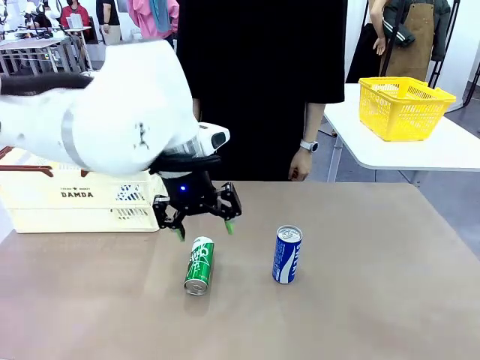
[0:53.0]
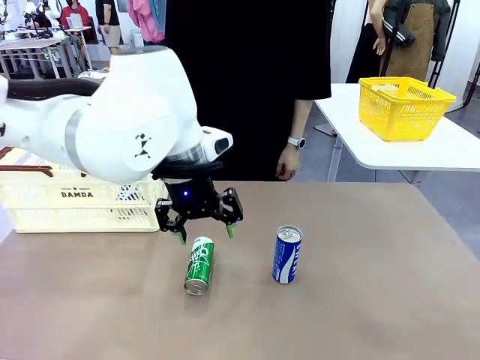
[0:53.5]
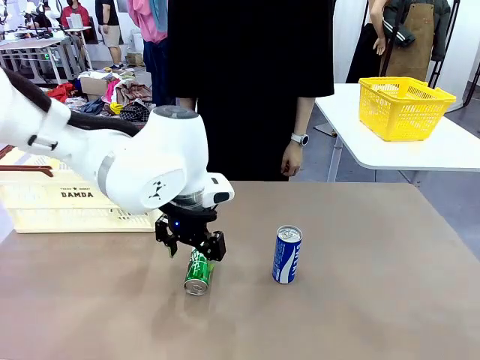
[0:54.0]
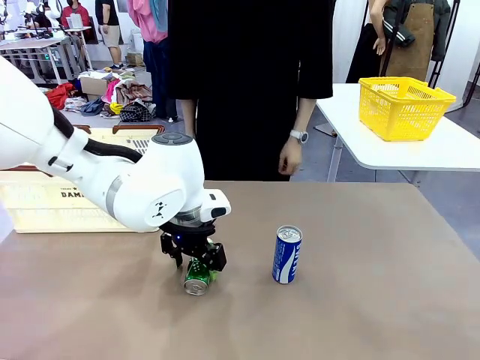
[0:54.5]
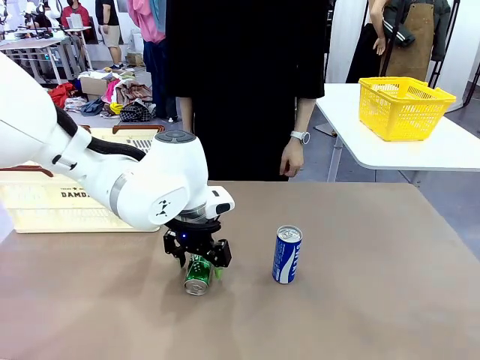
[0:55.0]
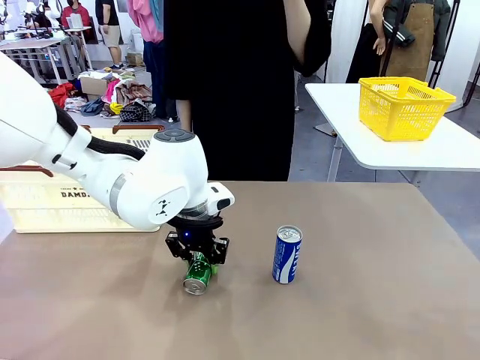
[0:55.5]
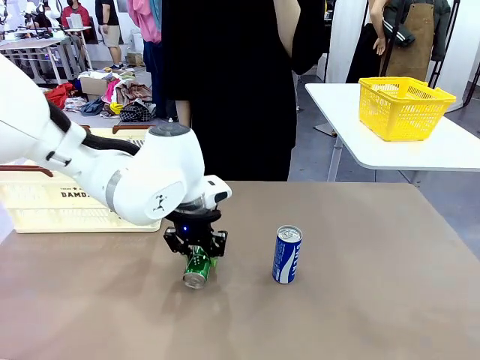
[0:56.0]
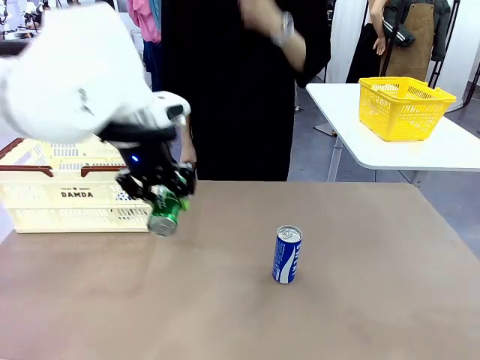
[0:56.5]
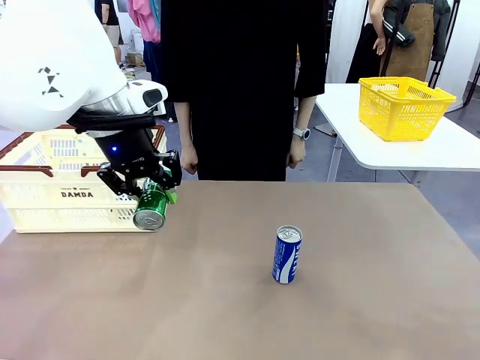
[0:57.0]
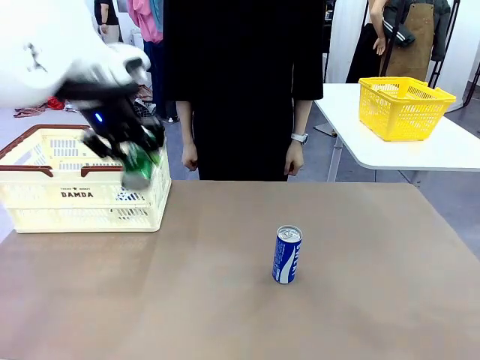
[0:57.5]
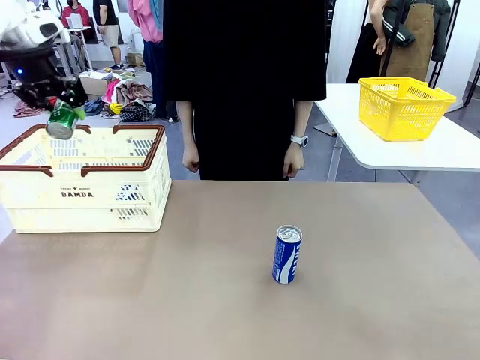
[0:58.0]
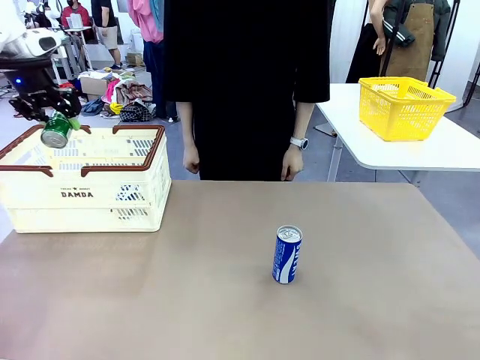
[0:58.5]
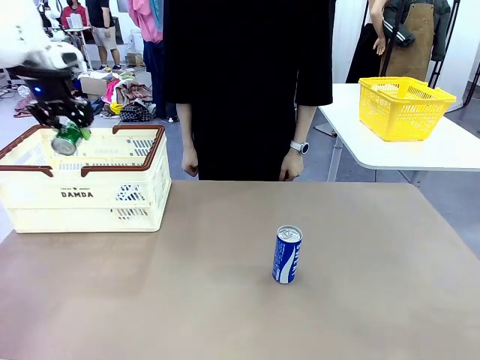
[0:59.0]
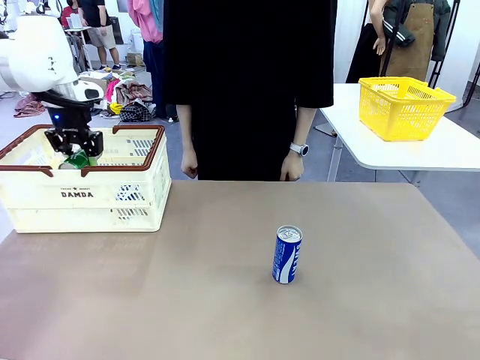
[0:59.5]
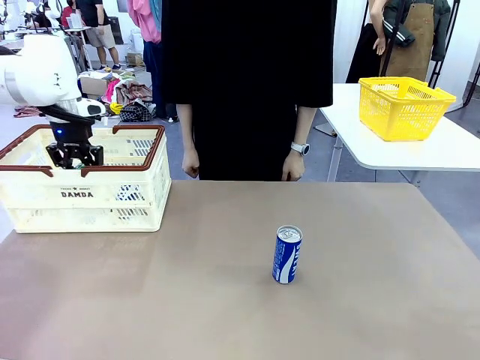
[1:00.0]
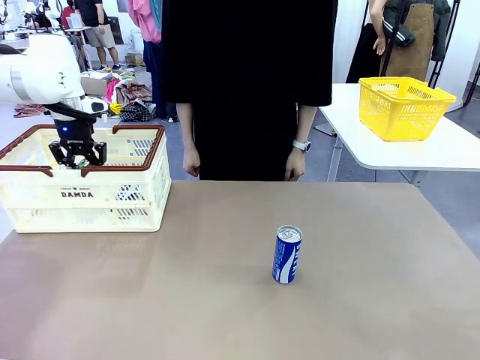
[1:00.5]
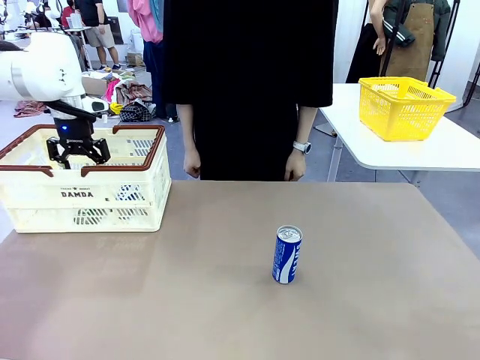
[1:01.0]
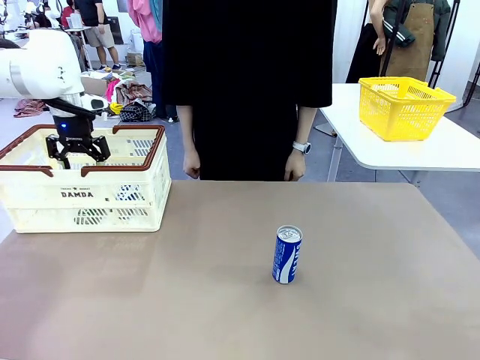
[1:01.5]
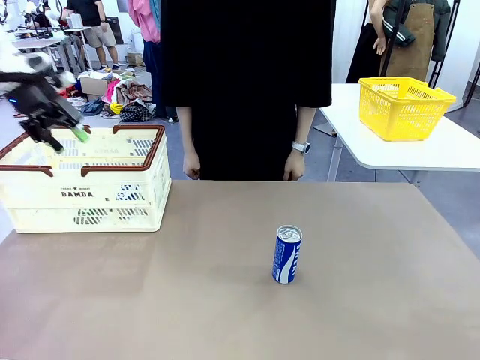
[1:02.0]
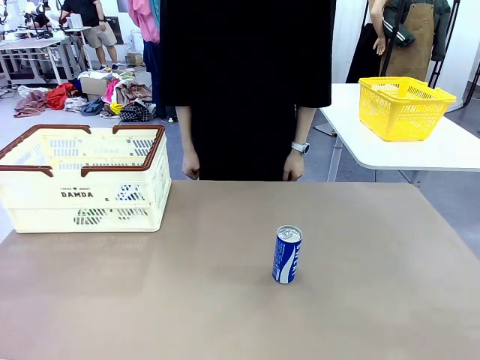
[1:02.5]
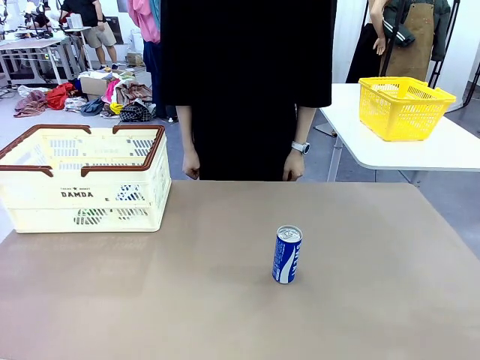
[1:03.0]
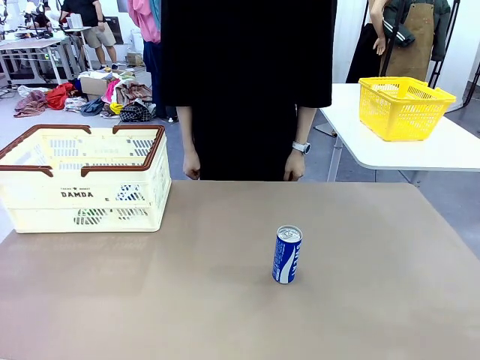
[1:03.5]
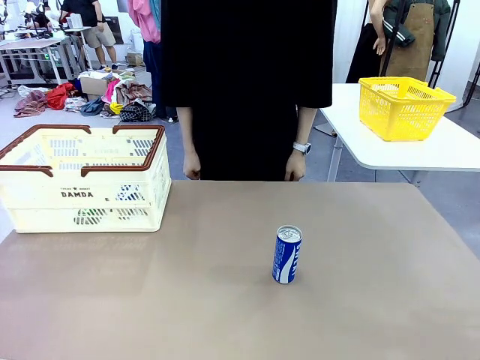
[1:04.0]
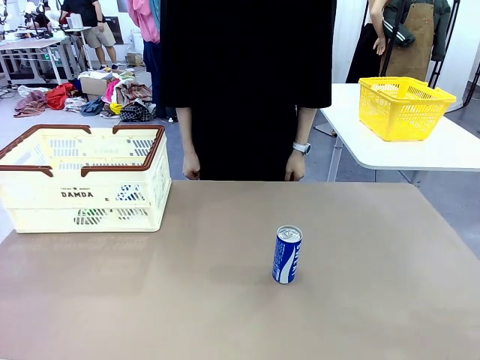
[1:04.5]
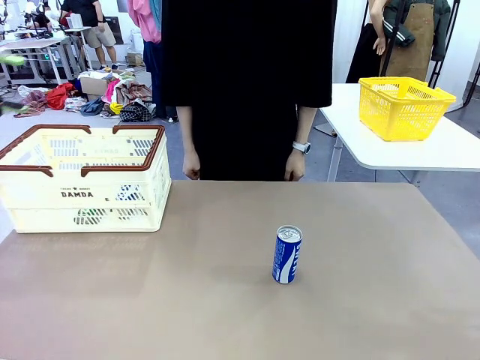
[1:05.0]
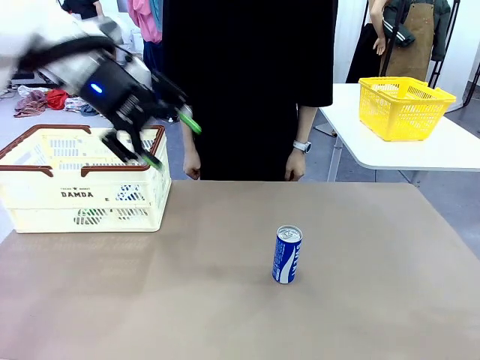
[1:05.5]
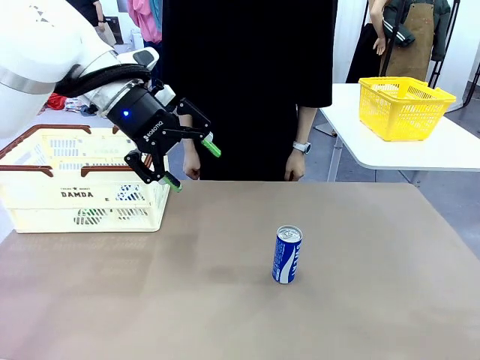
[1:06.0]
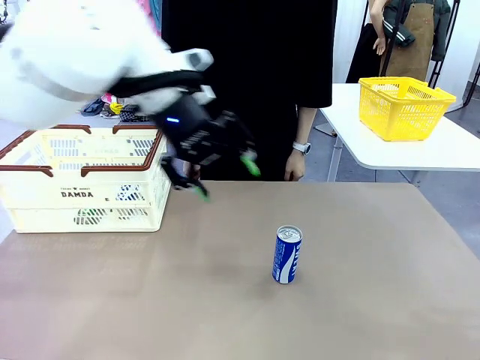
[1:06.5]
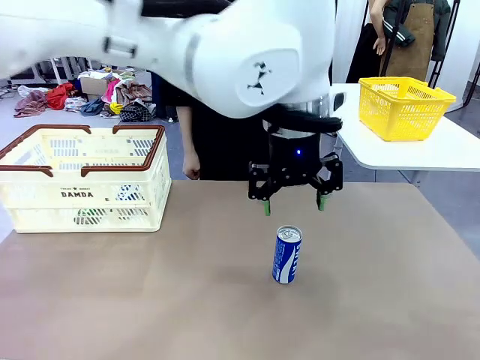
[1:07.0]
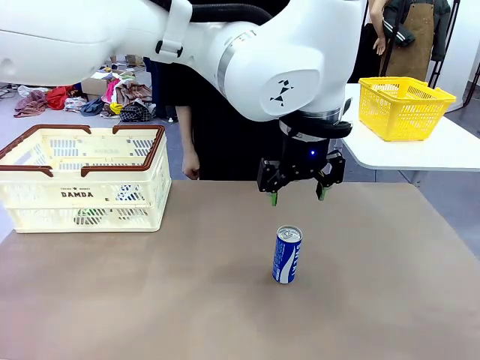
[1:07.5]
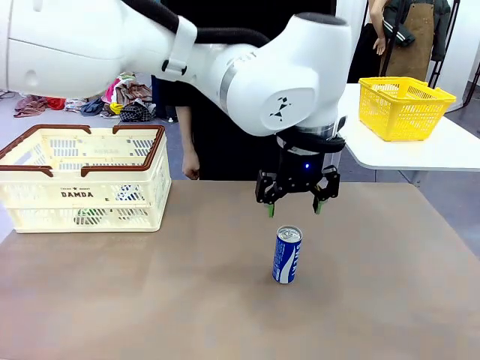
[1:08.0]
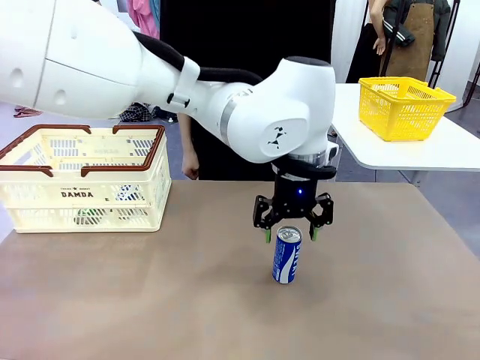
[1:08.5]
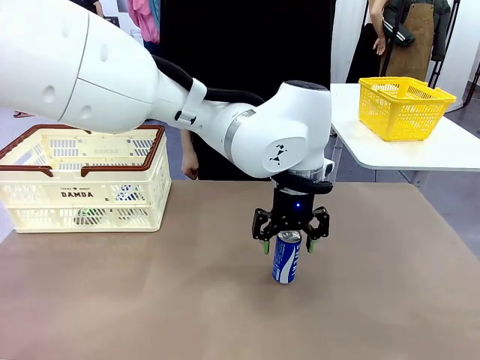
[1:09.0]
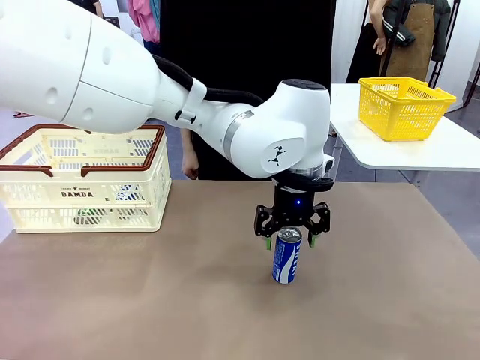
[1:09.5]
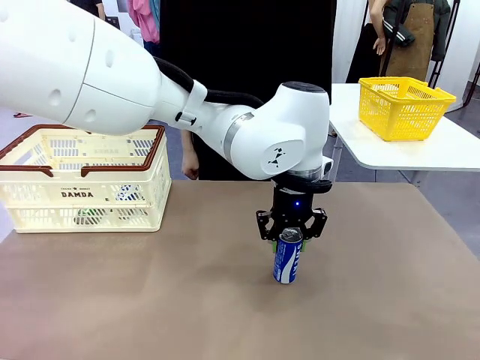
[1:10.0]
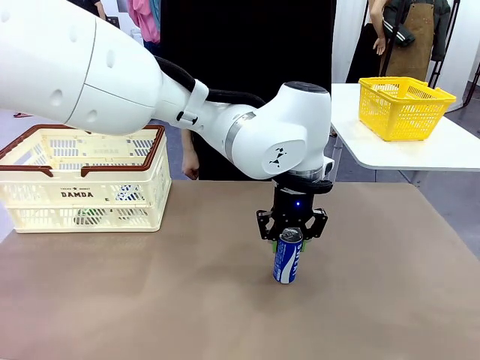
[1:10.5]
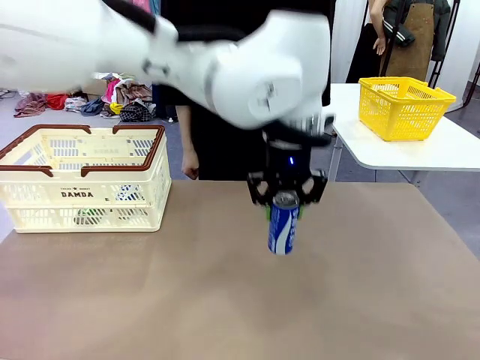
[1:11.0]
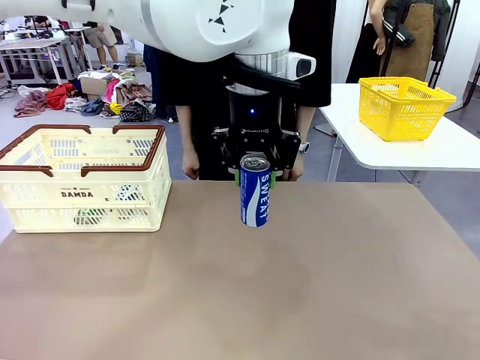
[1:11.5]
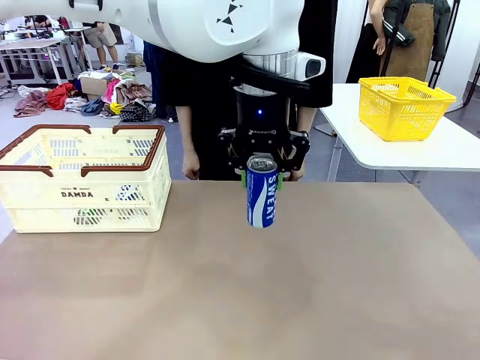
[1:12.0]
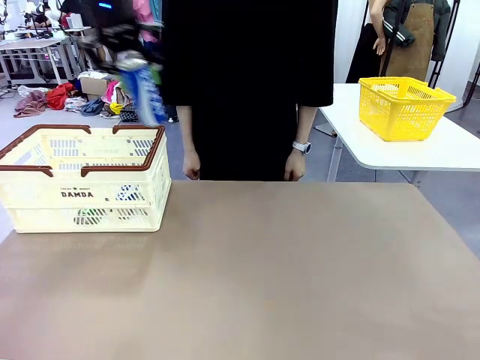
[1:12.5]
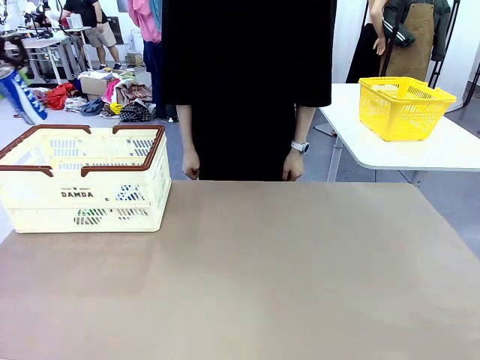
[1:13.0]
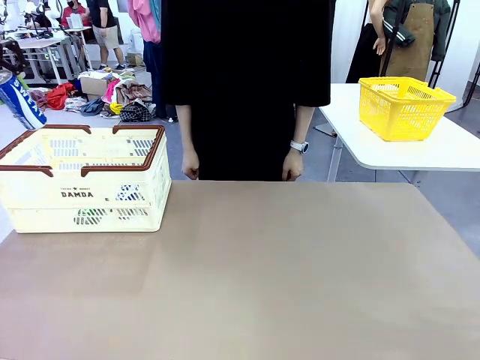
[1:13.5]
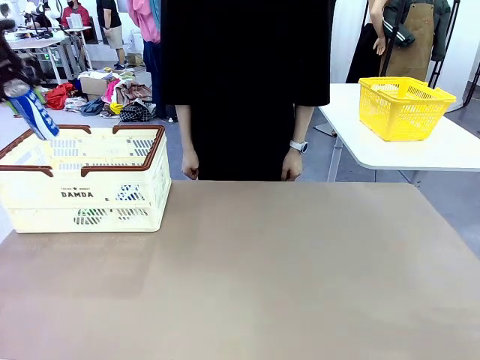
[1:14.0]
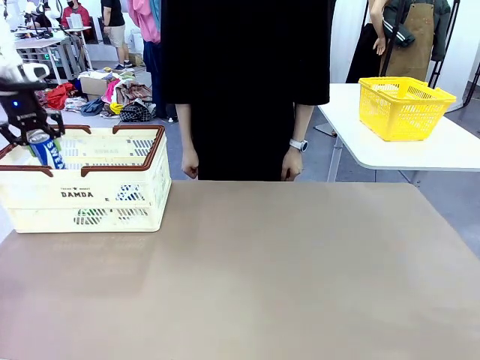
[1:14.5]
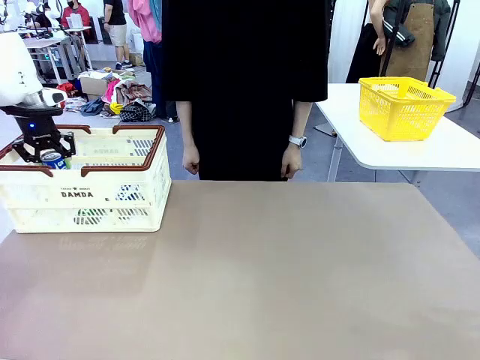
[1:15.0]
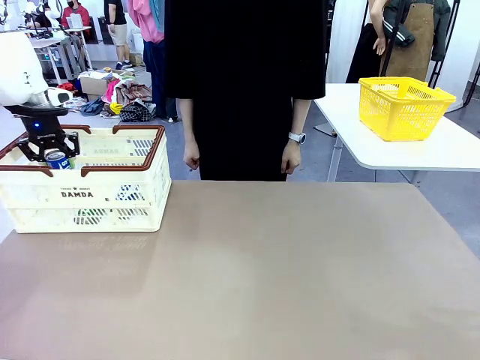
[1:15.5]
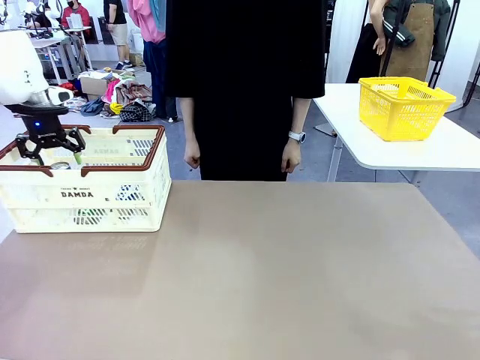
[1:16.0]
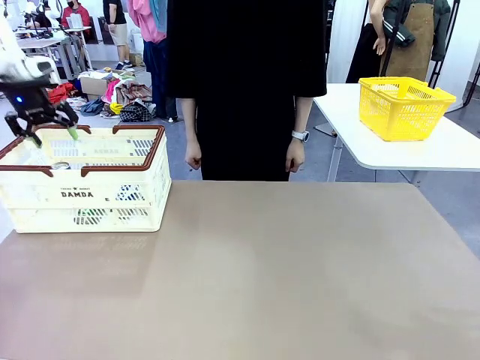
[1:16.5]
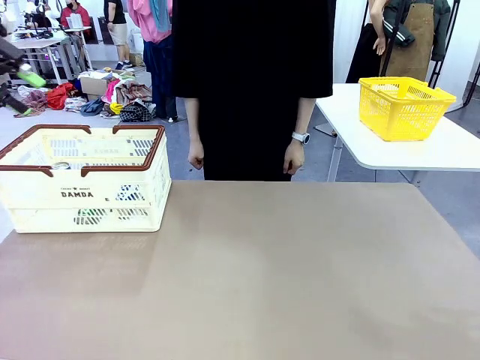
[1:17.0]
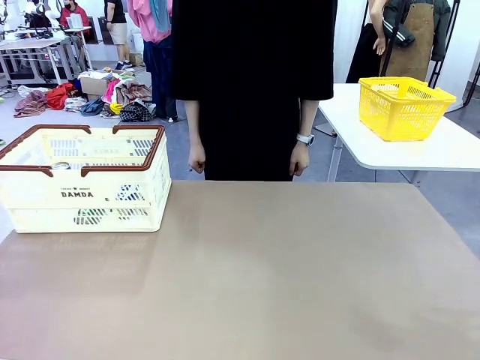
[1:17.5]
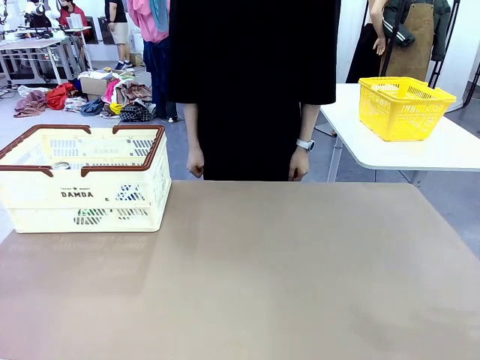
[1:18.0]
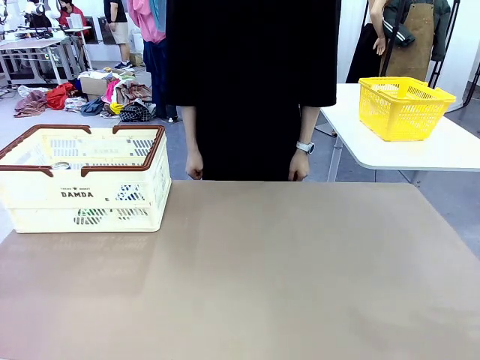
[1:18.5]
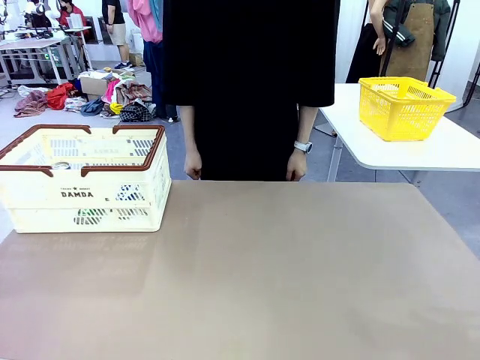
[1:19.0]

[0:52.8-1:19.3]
Task: Place the drinks into the Shopping basket.
Robot: Pick up one drink and place it into the Shopping basket.
